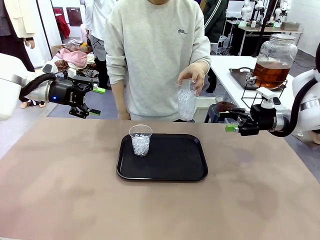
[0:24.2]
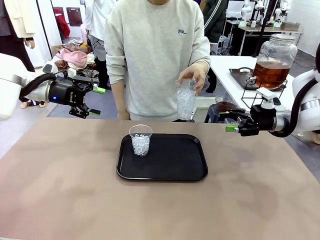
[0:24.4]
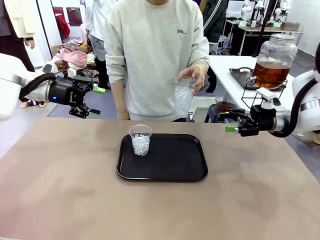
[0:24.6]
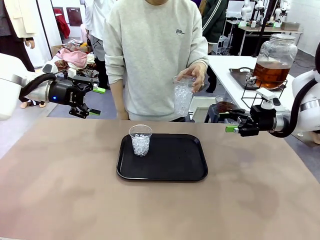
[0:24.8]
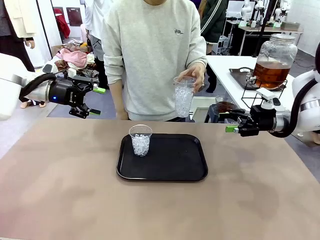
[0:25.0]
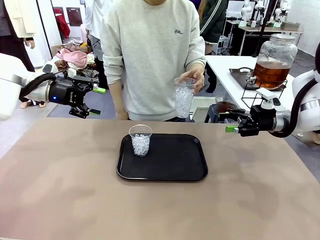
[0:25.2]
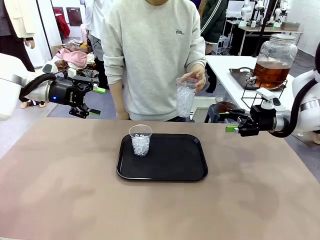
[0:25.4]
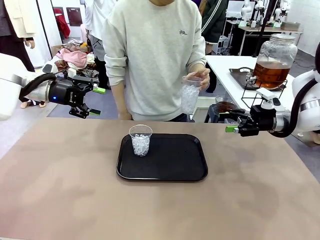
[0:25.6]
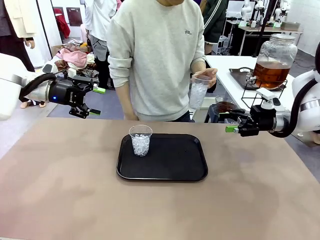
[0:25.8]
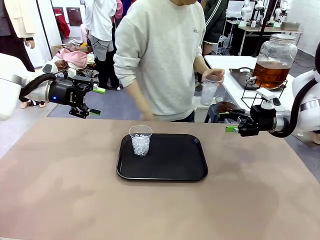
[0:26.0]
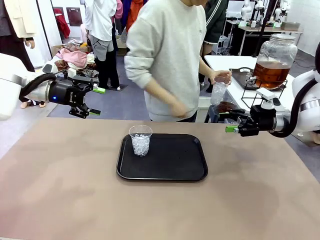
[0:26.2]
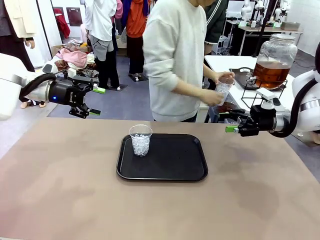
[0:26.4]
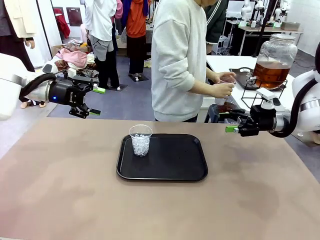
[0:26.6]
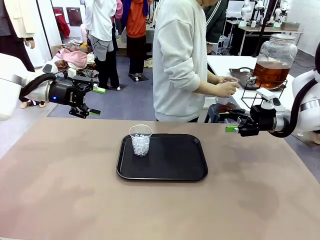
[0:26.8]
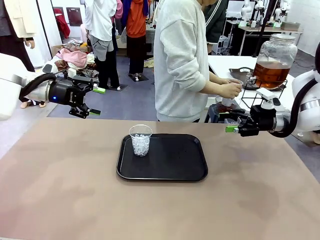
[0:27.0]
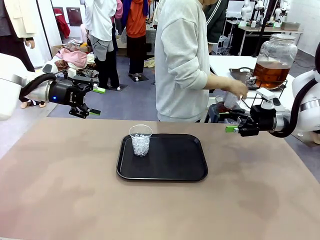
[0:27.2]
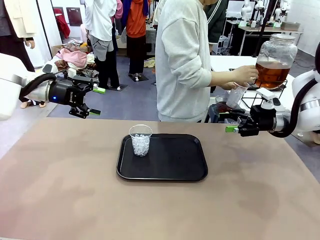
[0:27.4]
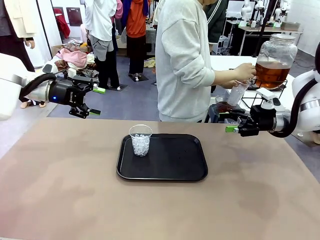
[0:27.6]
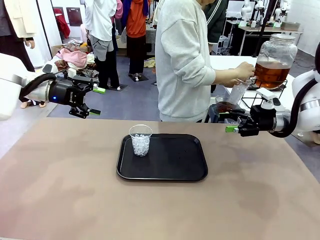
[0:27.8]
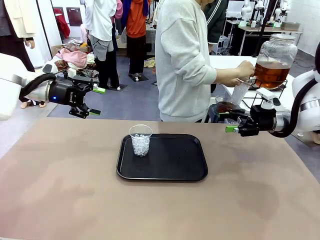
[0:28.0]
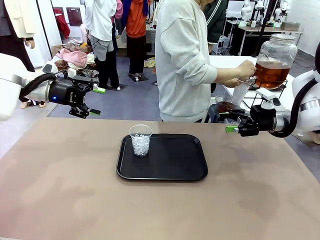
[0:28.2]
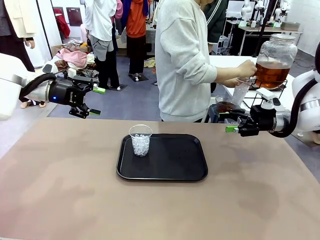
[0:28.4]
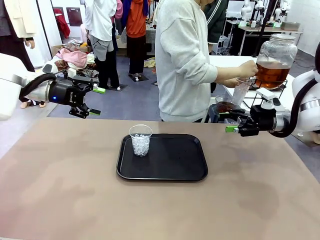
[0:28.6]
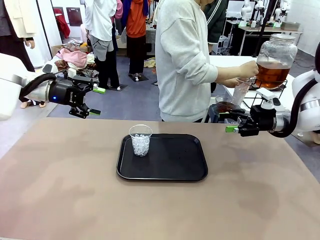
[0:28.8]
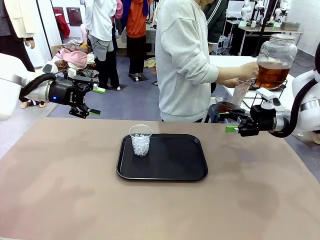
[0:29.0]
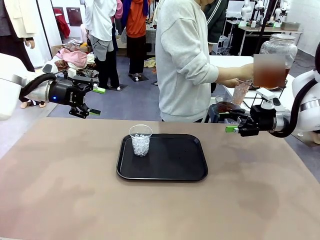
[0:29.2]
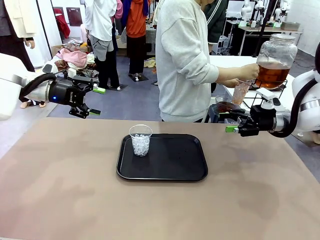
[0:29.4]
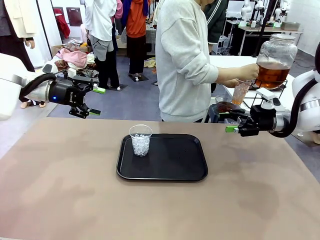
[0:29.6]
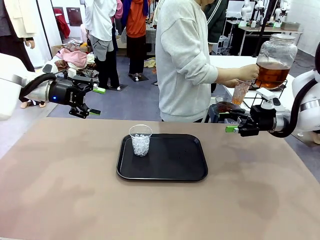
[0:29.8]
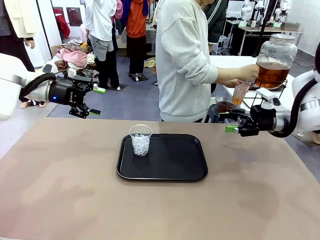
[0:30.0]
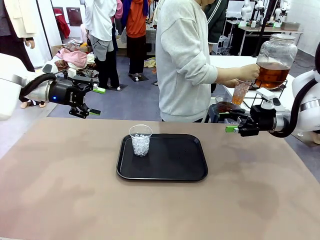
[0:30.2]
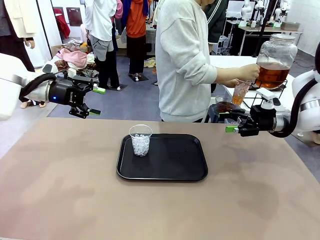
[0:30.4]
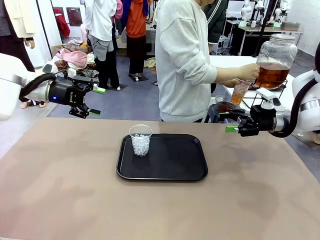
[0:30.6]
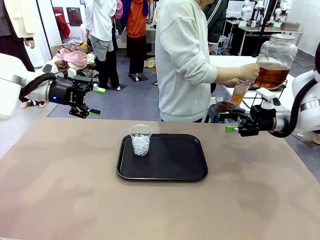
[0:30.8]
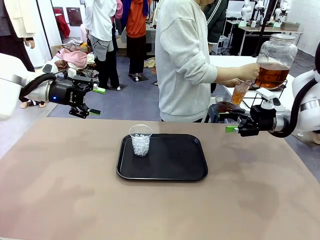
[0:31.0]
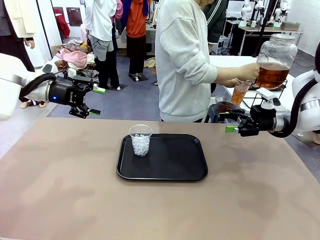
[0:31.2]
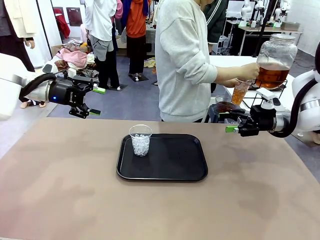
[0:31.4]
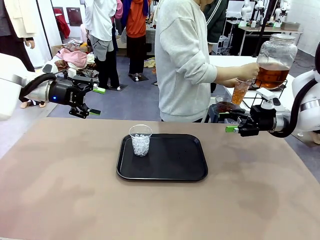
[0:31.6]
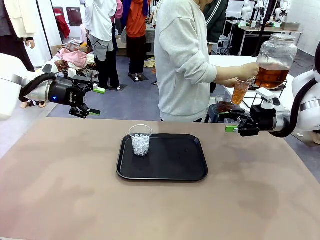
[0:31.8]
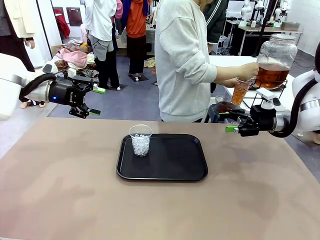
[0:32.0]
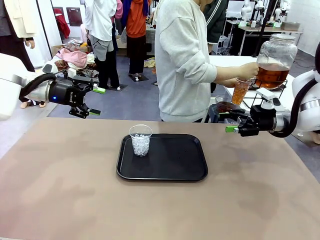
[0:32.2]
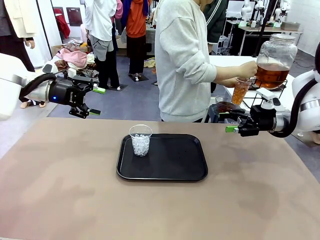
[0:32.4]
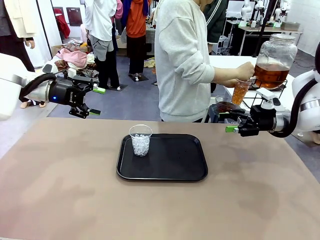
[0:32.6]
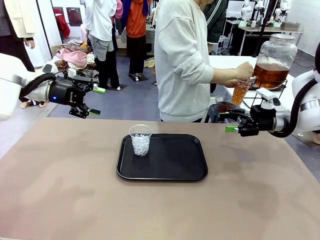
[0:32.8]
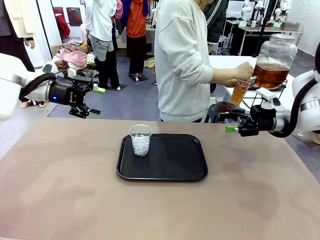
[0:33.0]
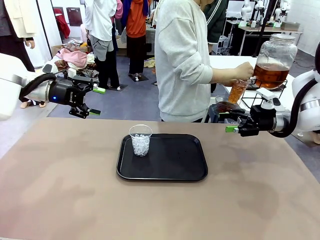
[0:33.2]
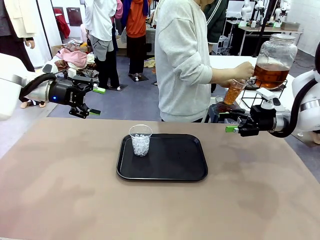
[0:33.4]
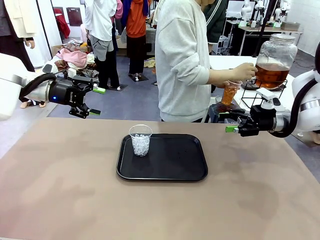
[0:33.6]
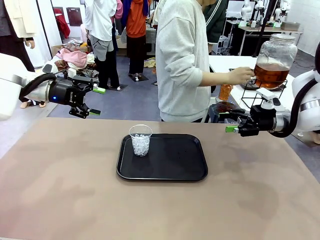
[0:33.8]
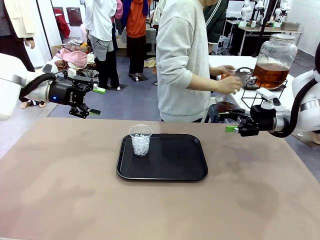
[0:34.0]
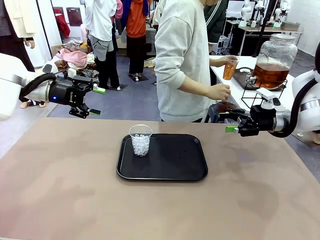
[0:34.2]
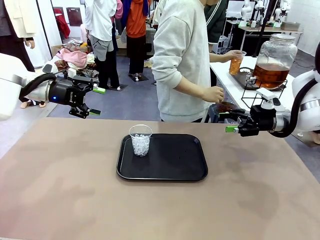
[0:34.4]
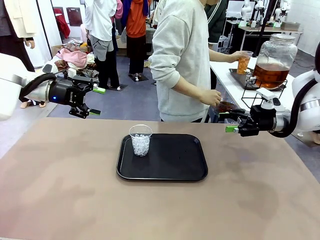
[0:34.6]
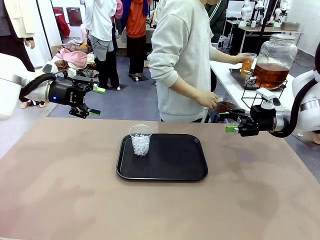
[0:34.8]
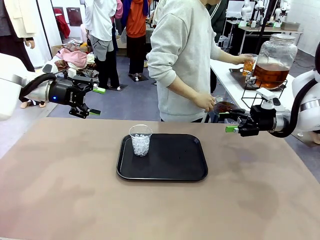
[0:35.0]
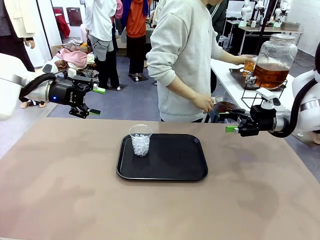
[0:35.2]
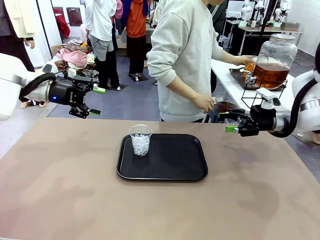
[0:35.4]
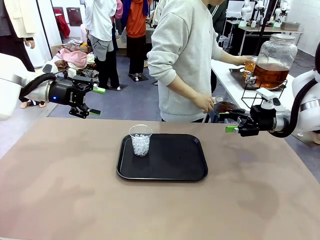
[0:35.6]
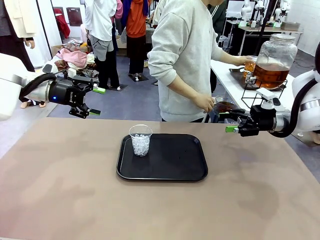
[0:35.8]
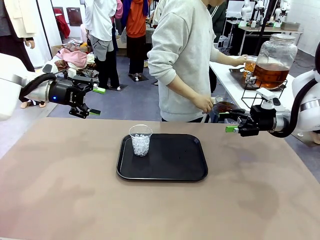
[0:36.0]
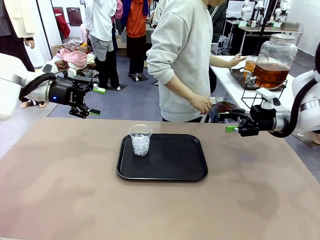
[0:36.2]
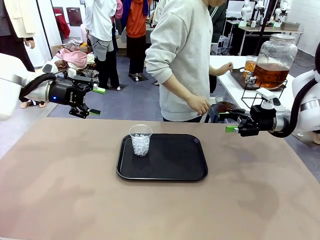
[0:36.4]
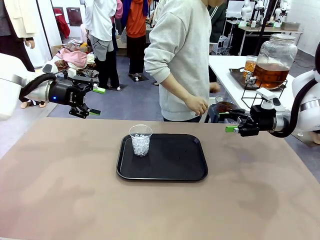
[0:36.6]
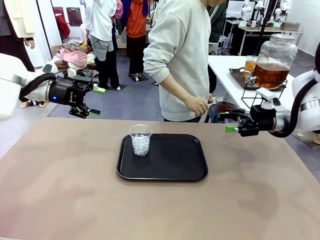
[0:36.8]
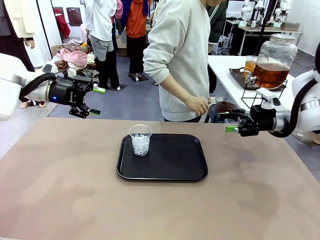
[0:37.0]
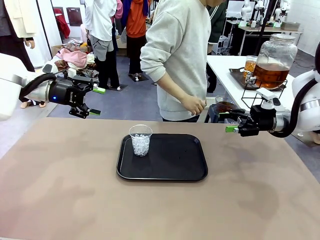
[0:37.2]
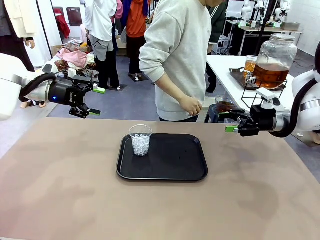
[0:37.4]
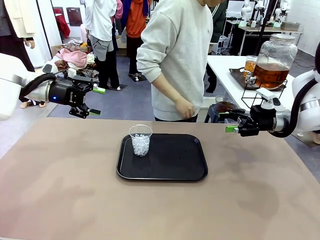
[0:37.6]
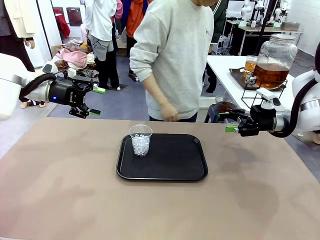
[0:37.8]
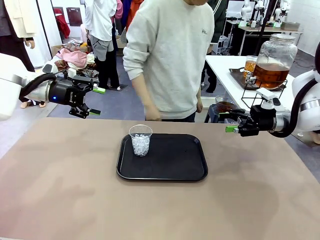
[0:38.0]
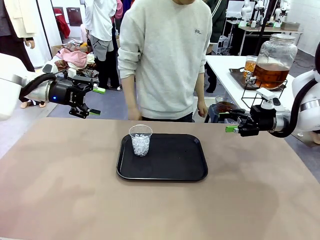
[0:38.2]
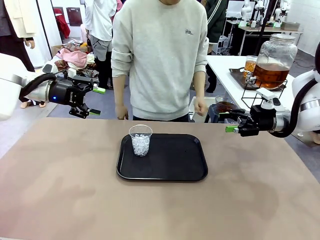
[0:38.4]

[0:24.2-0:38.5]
Task: Pour the drink into the iced cup.
Robot: Pick up the iced cup indicated by the human and present it to them.
Person: Move the picked-up cup under the dispenser faucet, pour the drink, and place it on the tray on the human table. Point to the remaining ice cup on the robot table.

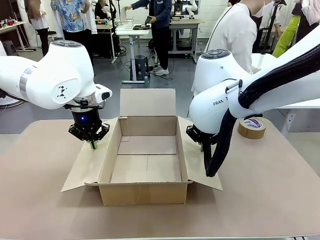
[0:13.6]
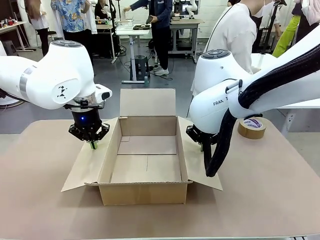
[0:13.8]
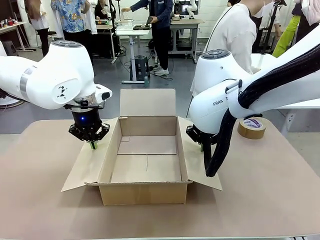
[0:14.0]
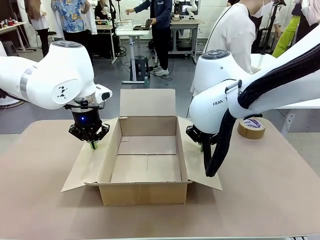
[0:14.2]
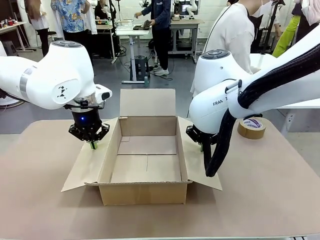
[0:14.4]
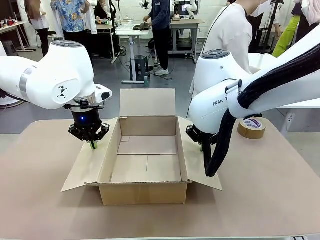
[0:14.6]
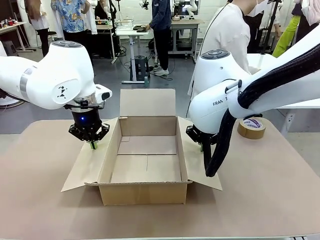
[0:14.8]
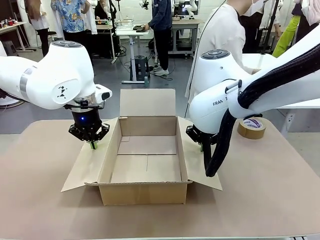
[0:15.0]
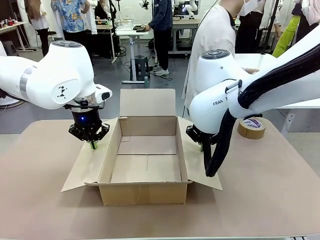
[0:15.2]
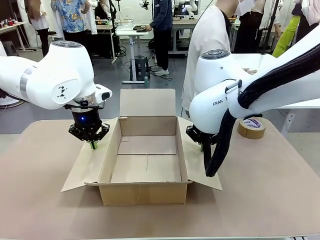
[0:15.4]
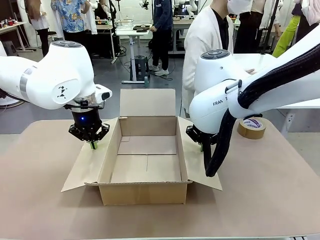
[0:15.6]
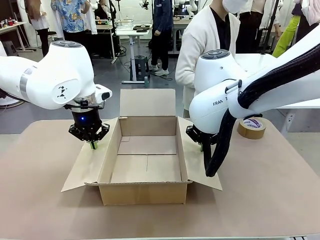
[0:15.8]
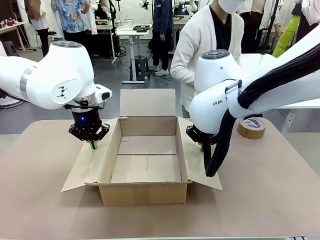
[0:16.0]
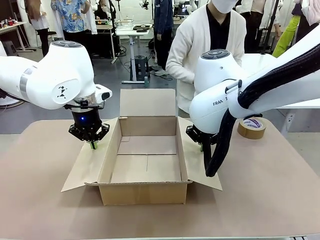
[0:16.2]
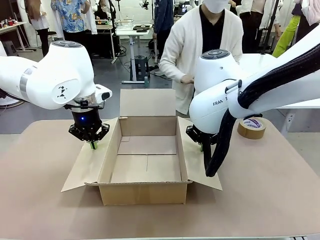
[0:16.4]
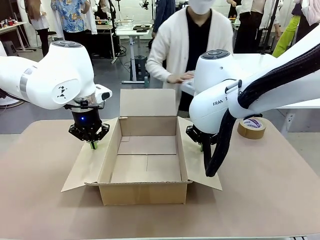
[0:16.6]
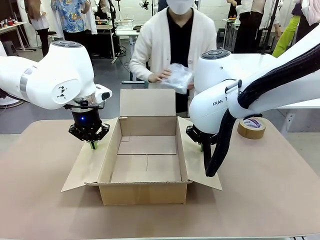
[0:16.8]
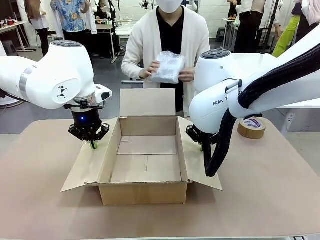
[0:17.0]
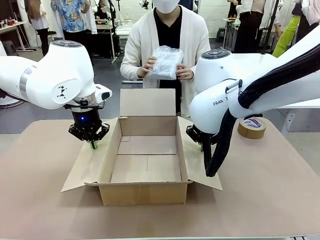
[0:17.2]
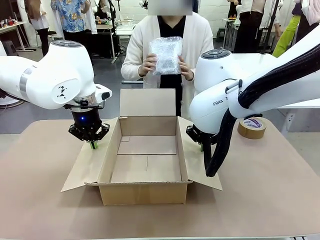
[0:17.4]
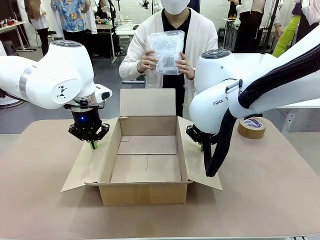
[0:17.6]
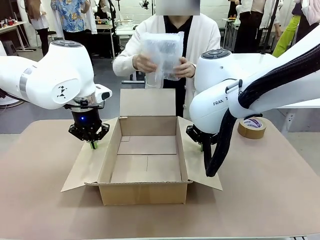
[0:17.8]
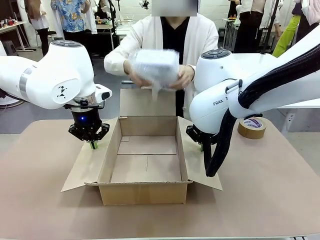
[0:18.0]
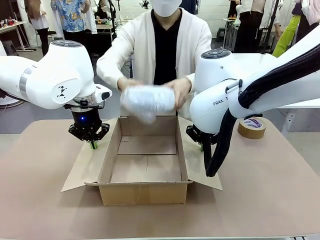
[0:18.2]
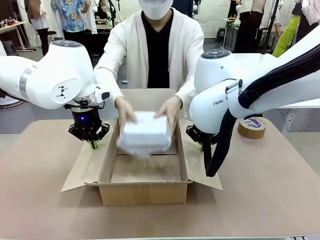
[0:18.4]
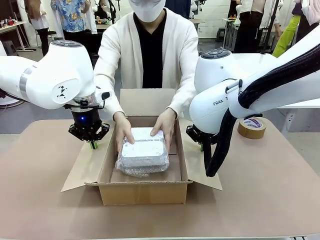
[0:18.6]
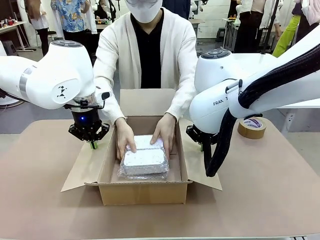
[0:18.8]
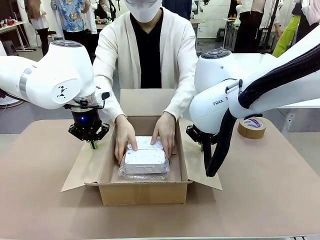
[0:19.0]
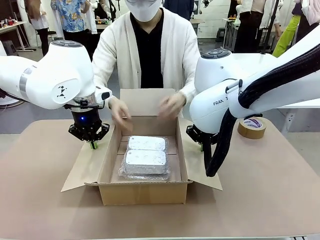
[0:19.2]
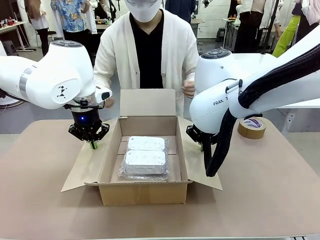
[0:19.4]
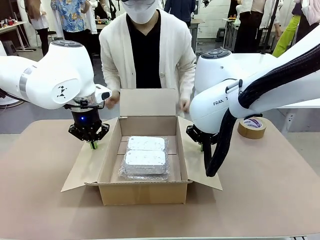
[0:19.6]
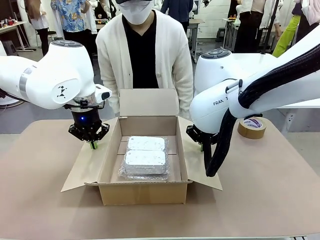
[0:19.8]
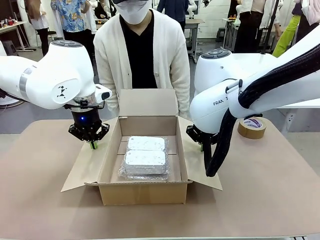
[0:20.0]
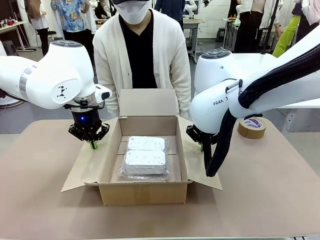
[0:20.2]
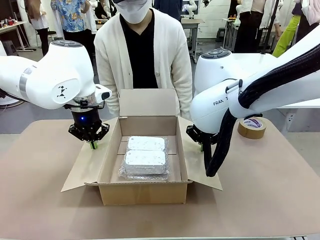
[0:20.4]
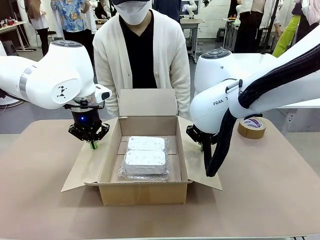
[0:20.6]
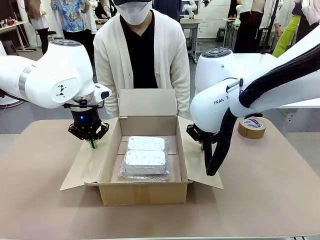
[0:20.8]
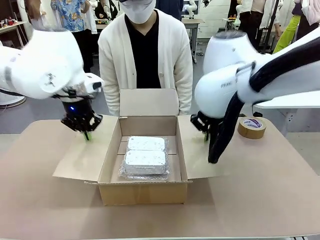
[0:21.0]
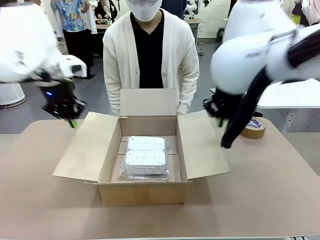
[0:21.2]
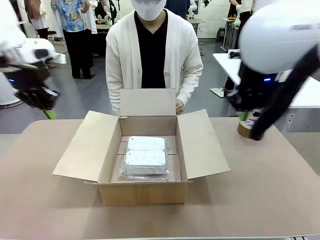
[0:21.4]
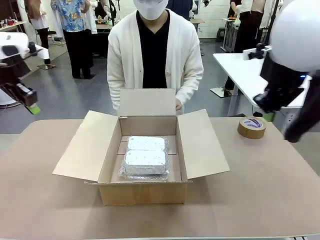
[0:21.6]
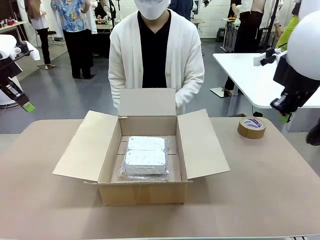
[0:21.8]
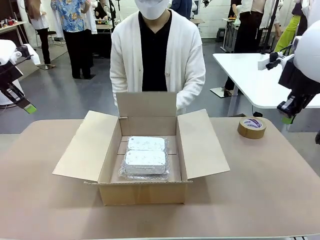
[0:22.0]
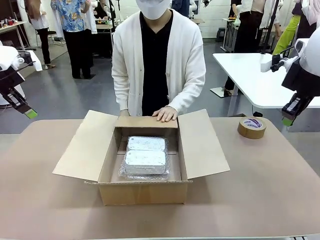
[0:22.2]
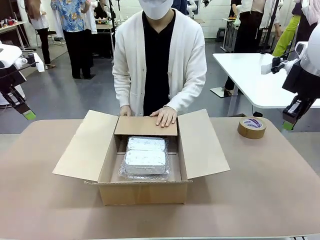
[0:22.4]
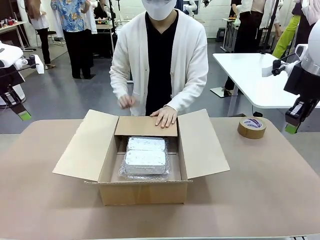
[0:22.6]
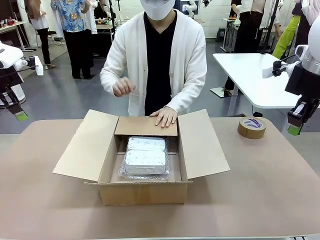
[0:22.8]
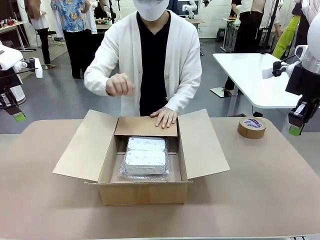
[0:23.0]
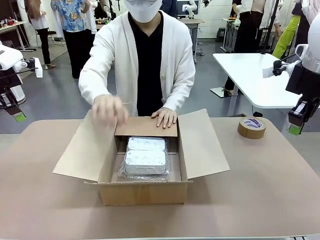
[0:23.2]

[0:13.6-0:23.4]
Task: Wrap the clocks to prevent damage.
Robot: Once the human has placed the objects inside and stepped back, release both hands from the side flaps of the Package Box.
Person: Place the wrapped Digital clocks inside the Package Box. Hold the top and bottom flaps of the Package Box closed with your left (or right) hand.
